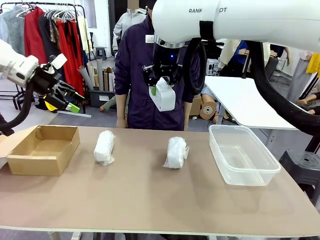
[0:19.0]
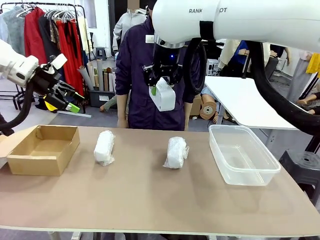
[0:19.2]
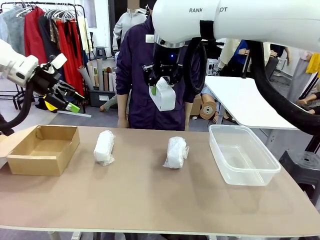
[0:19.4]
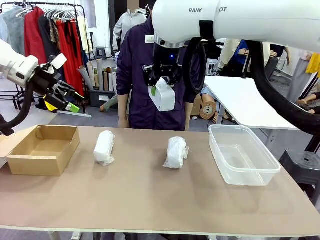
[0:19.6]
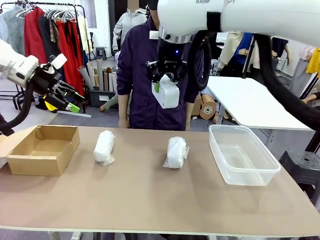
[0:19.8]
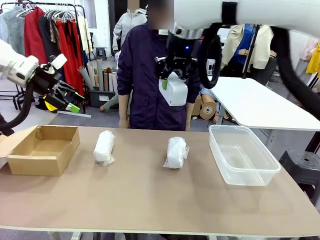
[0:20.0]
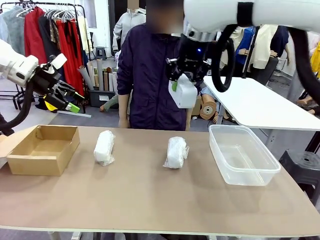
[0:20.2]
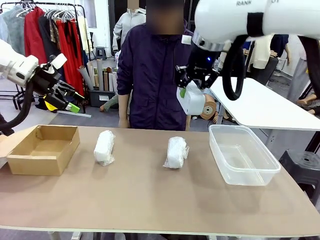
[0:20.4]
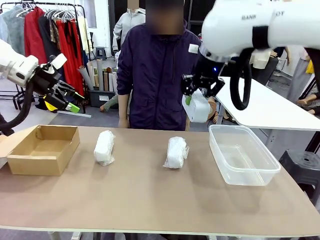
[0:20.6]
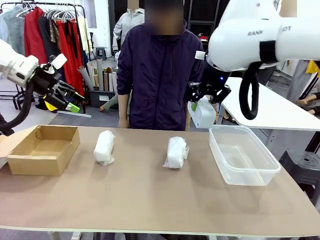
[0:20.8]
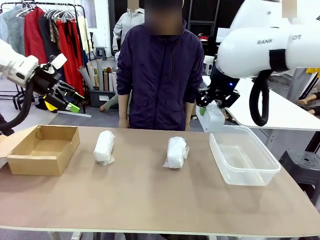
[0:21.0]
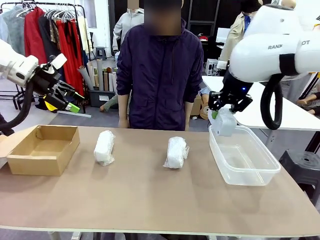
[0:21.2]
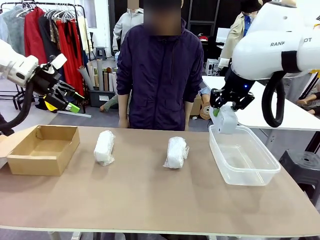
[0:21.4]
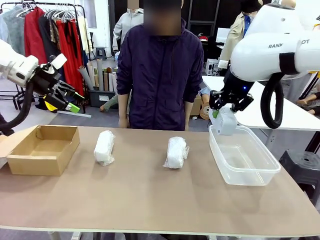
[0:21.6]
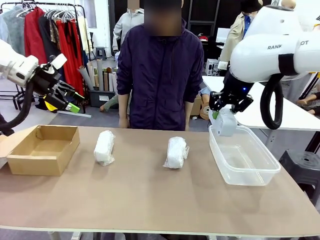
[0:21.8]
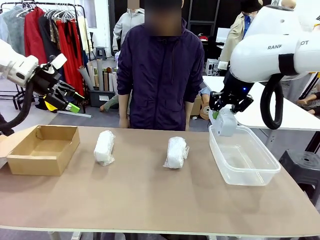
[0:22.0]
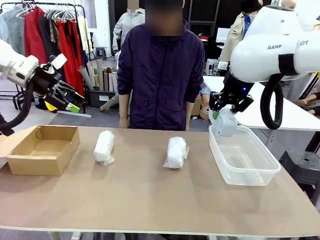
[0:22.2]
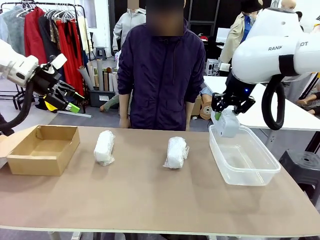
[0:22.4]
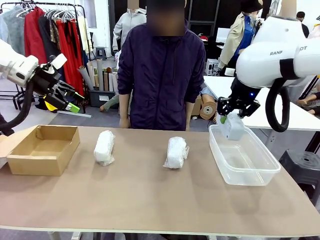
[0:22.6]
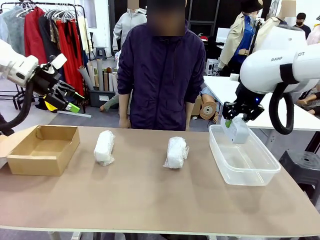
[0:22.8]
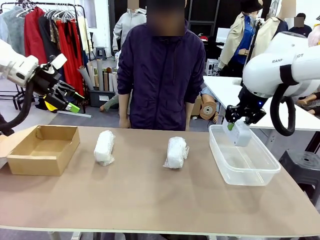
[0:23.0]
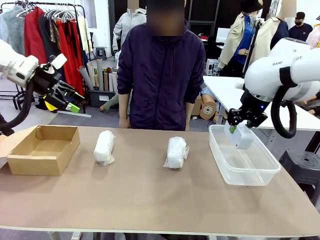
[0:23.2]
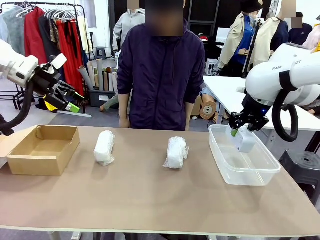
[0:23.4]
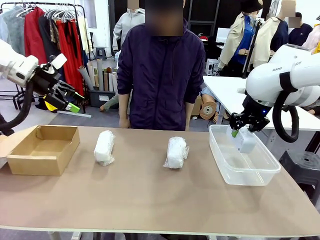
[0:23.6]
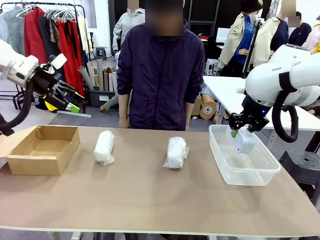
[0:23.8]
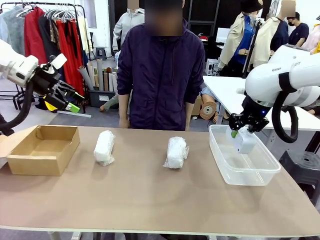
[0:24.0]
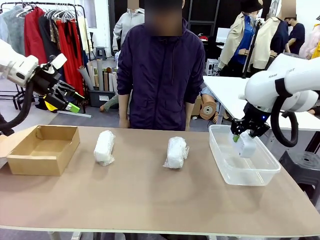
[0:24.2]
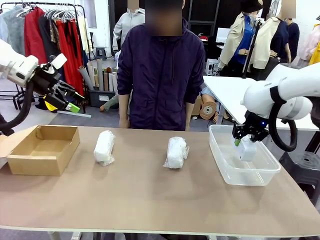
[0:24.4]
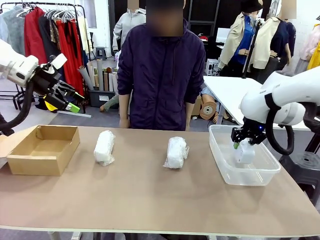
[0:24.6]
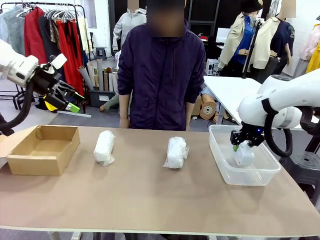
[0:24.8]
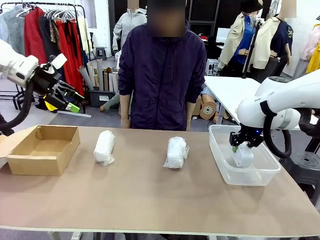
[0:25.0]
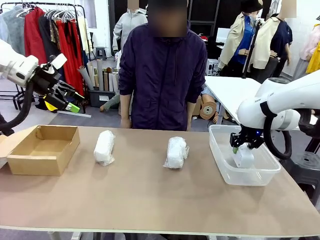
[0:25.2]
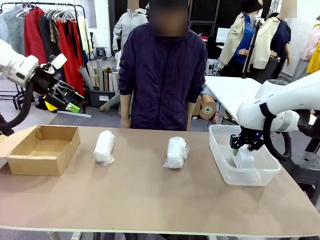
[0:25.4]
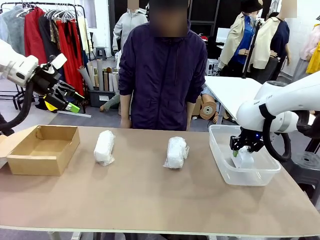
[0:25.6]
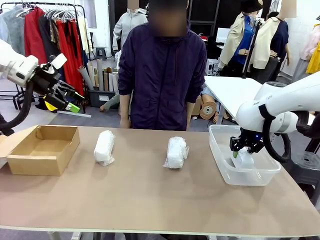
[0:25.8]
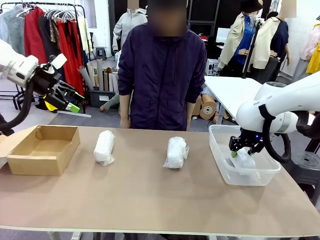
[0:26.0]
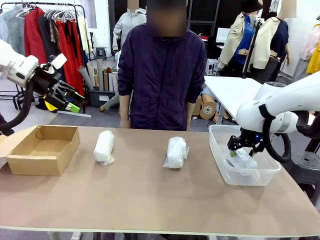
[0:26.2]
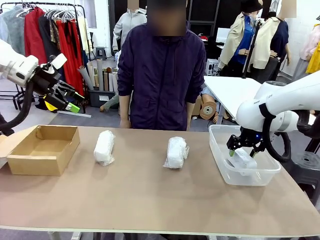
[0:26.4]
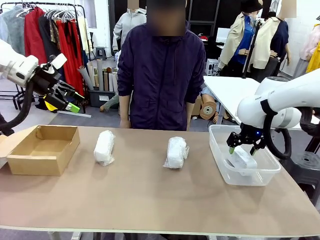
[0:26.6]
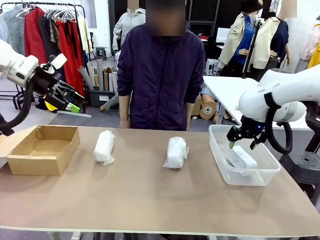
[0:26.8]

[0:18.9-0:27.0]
Task: Separate and place wrapped and unwrapped clocks.
Robot: If the picked Digital clock is wrapped, place it in the Package Box ; if not, place it in the Organizing box.

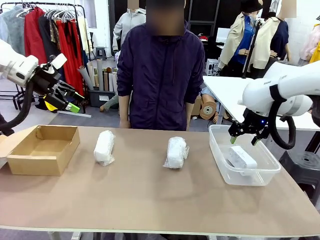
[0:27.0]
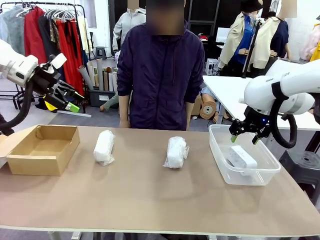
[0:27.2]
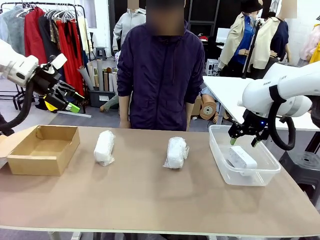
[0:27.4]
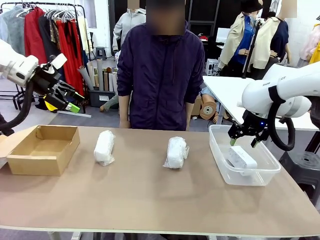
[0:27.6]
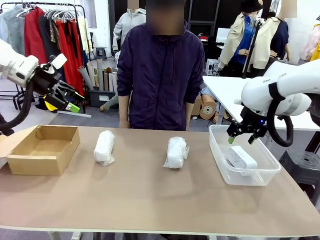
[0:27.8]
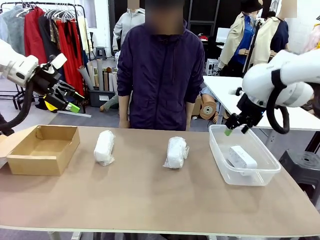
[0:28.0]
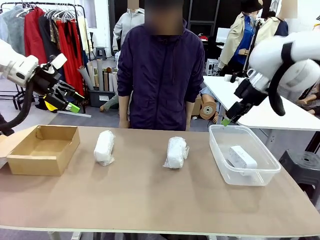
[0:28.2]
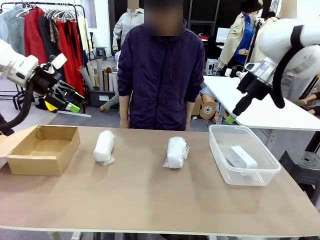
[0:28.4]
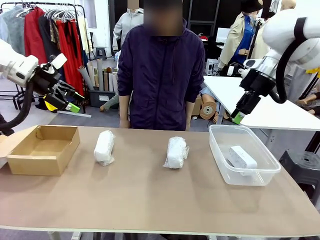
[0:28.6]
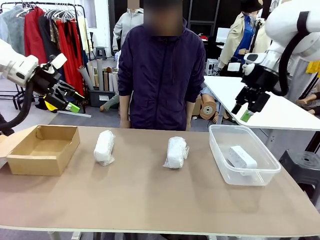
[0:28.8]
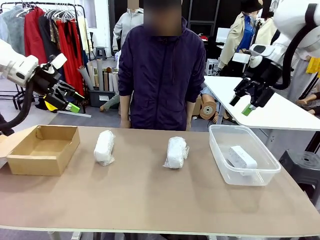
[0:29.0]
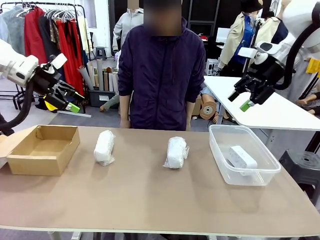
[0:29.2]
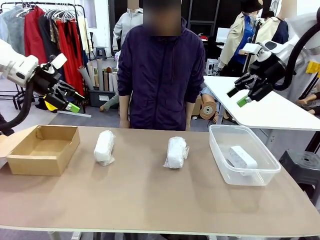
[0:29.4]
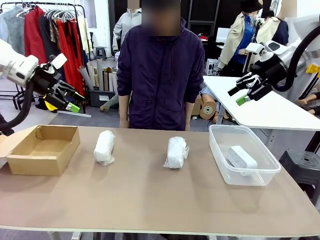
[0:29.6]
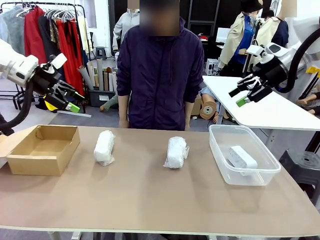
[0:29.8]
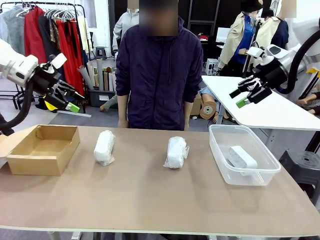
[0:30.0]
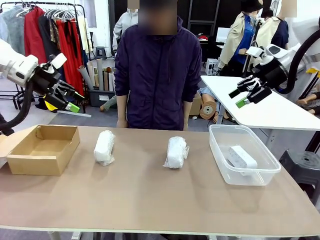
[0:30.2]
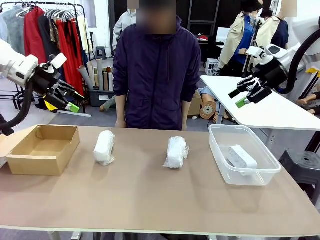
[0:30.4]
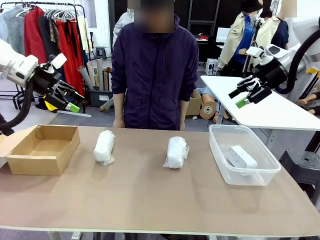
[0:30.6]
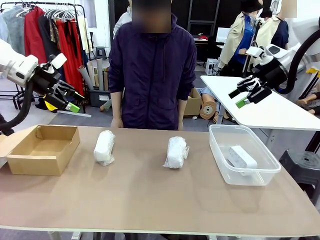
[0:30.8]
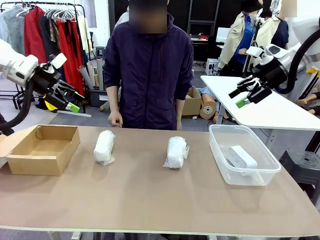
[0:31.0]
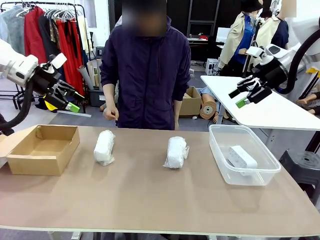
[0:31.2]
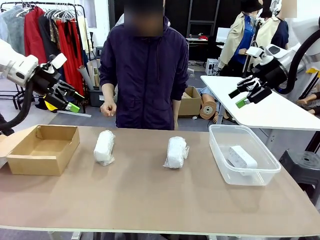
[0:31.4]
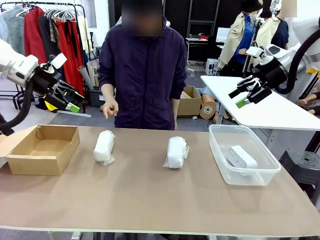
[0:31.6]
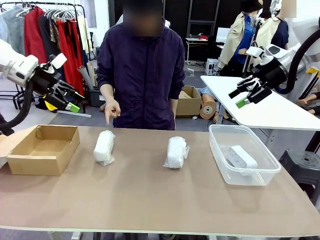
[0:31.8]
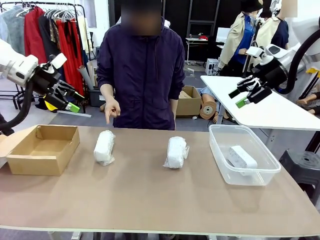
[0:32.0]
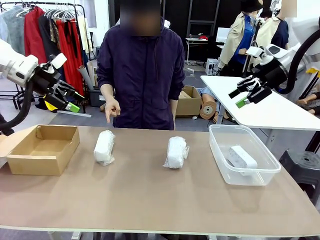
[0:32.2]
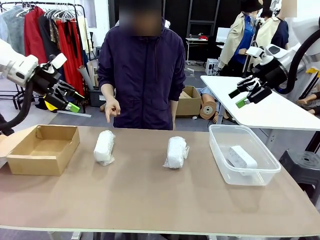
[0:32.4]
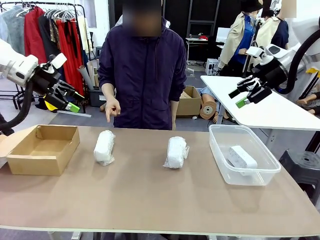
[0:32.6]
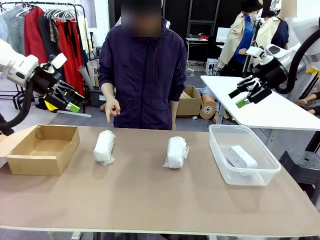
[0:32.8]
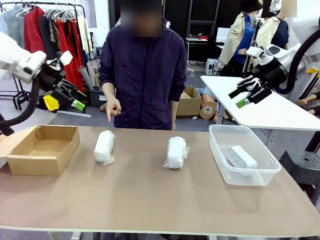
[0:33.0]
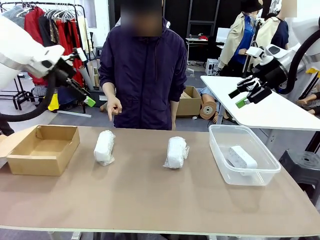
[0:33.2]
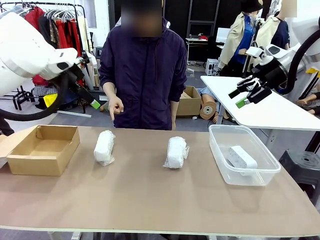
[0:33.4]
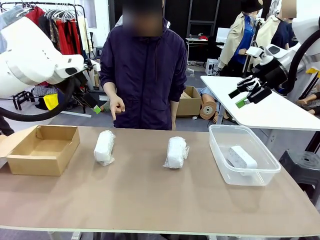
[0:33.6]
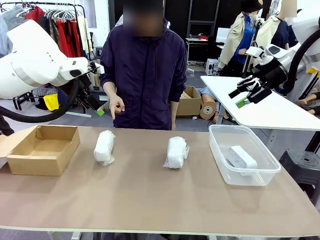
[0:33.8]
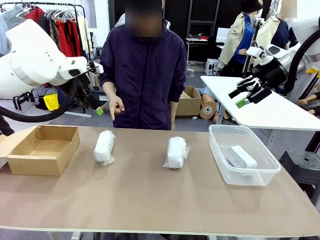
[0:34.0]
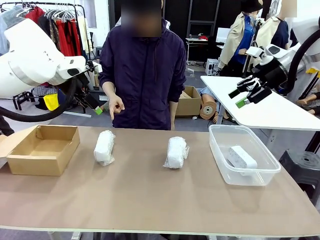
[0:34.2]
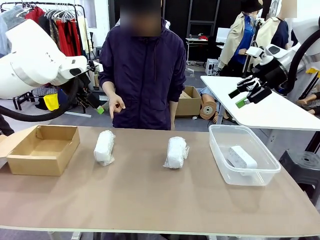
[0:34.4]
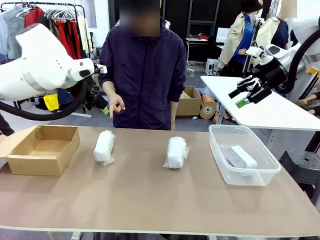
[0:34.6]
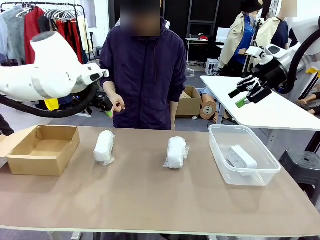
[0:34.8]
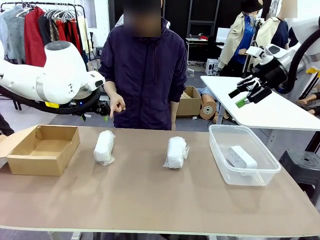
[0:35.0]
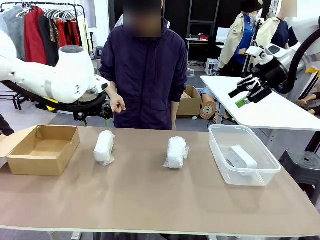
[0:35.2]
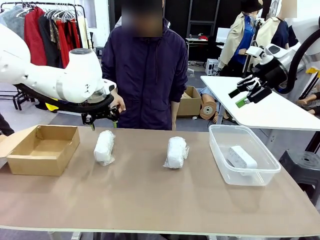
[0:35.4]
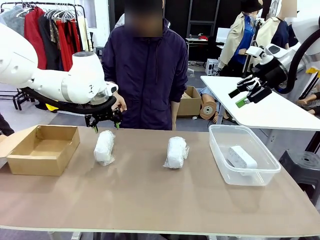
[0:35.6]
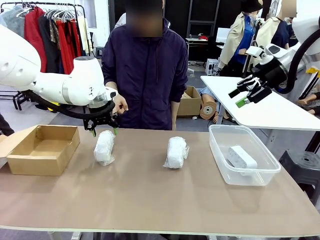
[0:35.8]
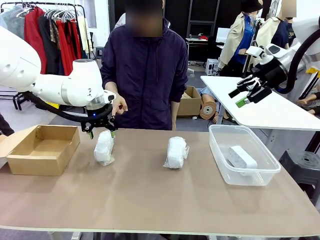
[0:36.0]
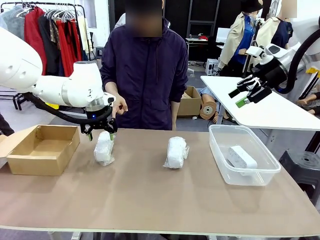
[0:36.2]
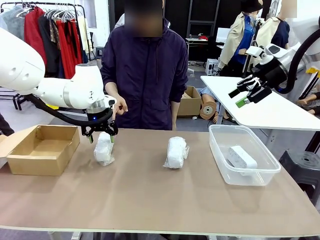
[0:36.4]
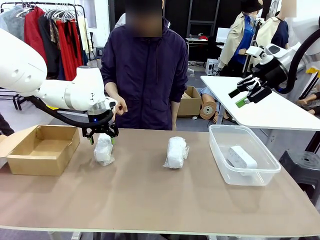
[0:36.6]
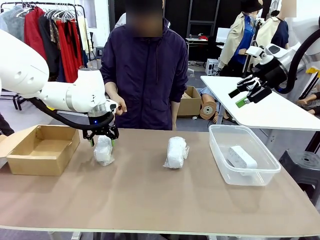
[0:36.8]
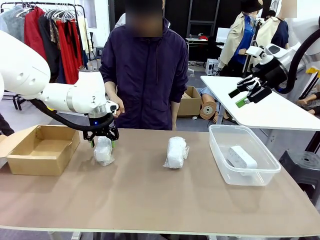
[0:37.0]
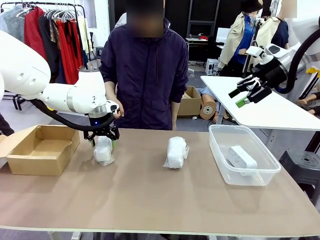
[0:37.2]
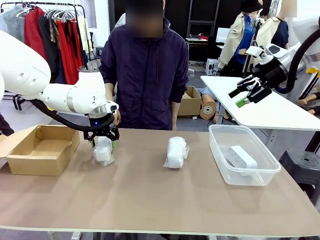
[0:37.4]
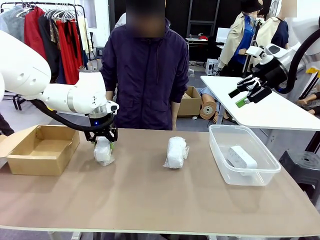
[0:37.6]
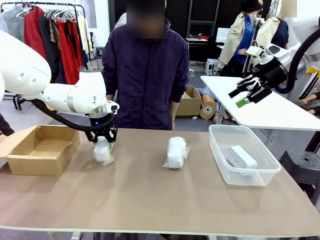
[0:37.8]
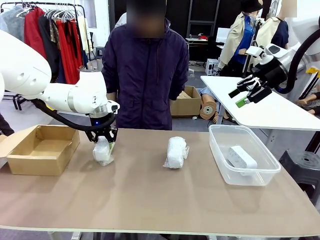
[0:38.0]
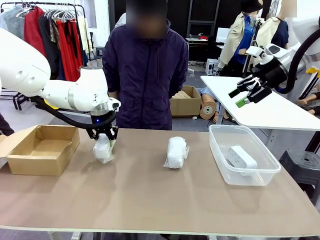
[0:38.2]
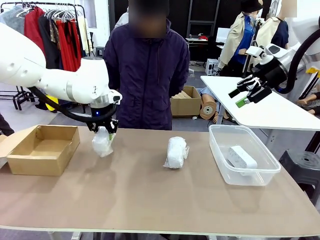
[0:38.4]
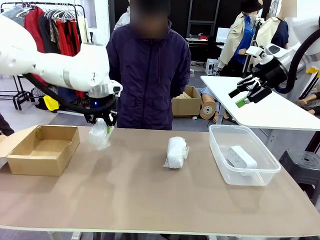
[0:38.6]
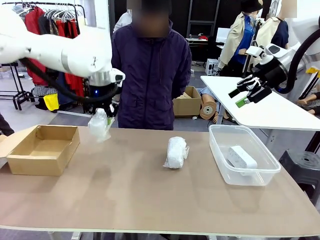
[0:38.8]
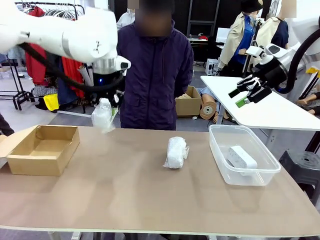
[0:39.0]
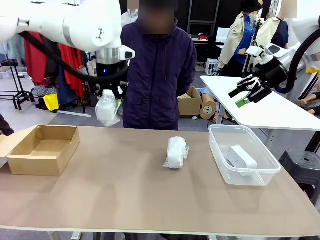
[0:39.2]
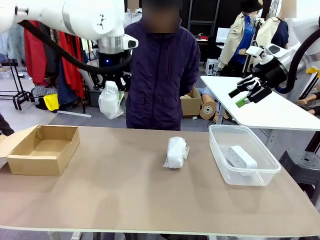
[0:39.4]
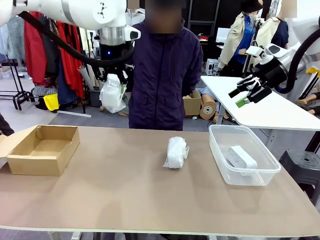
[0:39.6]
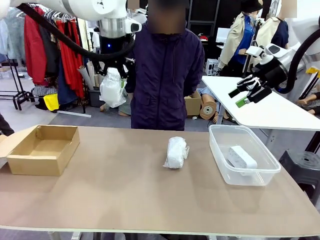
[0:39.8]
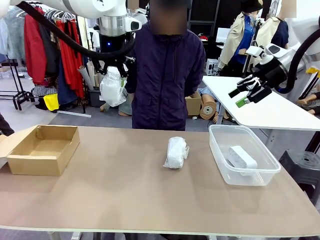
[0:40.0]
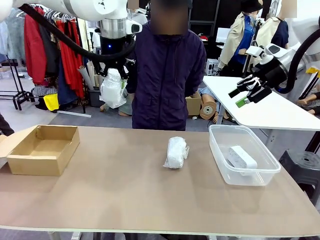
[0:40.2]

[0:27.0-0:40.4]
Robot: Pick up the Digital clock indicated by the person.
